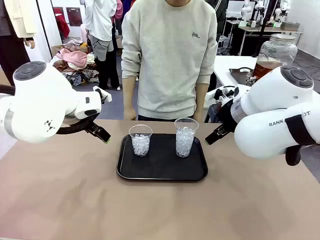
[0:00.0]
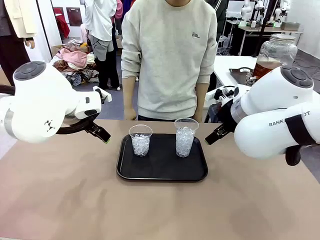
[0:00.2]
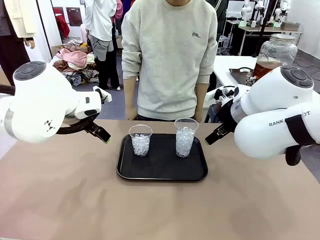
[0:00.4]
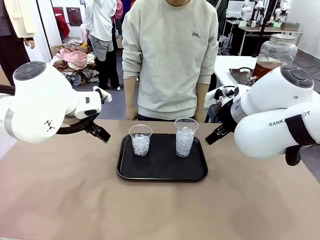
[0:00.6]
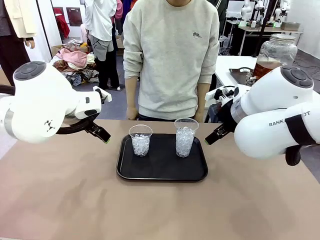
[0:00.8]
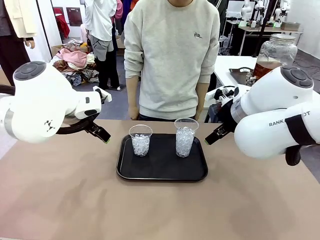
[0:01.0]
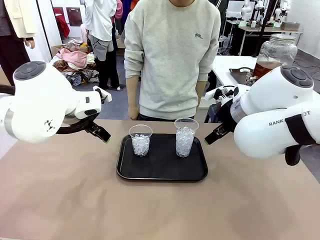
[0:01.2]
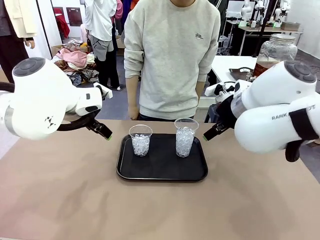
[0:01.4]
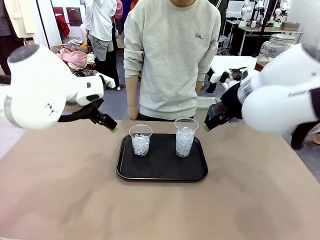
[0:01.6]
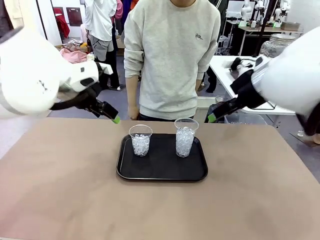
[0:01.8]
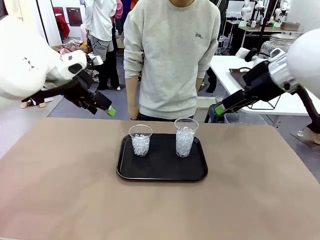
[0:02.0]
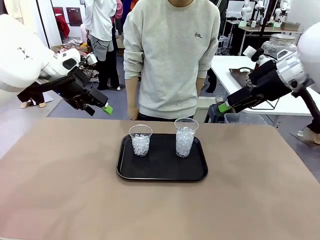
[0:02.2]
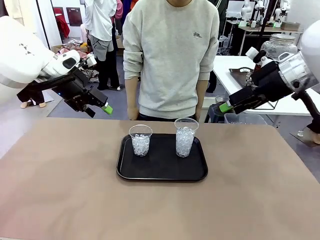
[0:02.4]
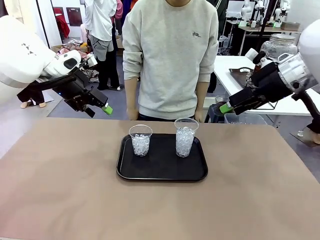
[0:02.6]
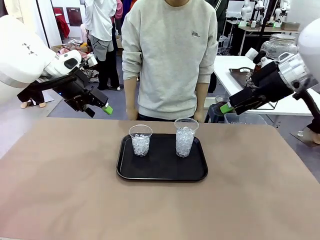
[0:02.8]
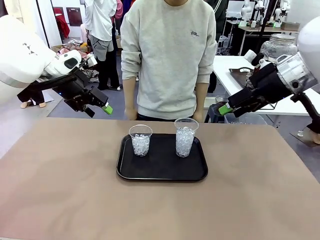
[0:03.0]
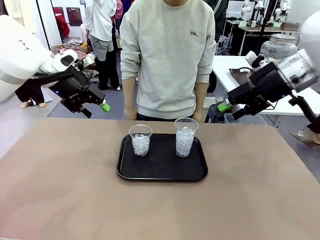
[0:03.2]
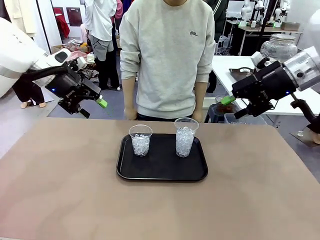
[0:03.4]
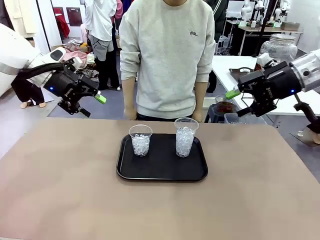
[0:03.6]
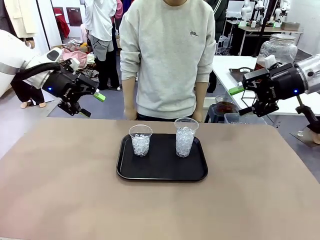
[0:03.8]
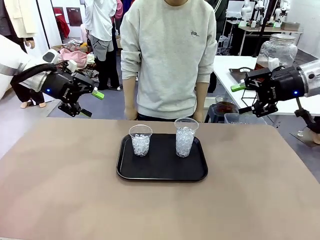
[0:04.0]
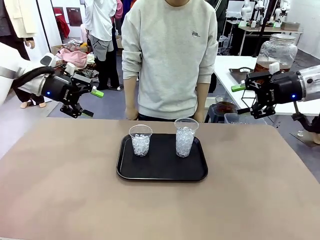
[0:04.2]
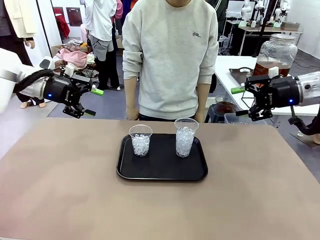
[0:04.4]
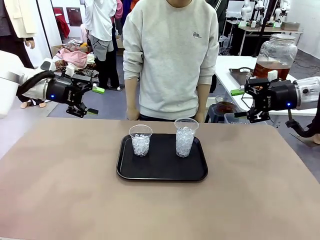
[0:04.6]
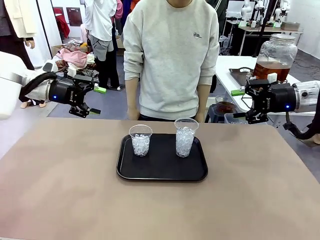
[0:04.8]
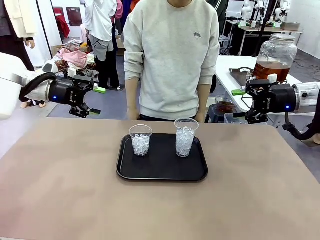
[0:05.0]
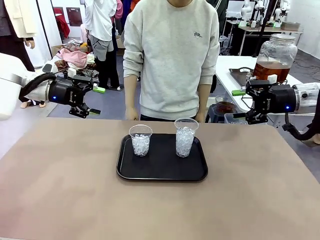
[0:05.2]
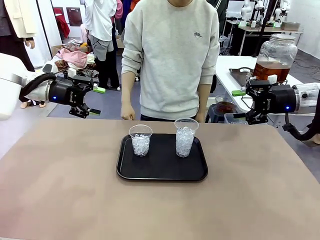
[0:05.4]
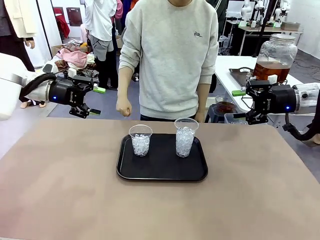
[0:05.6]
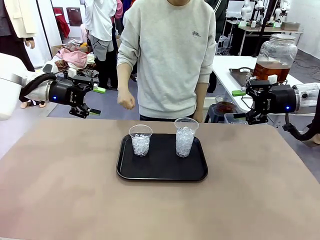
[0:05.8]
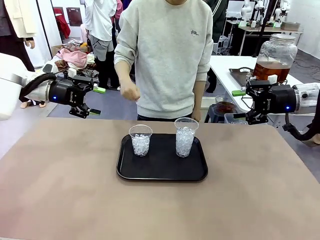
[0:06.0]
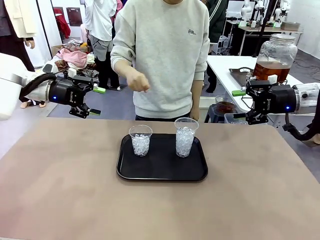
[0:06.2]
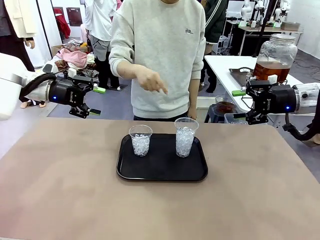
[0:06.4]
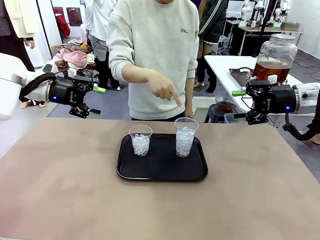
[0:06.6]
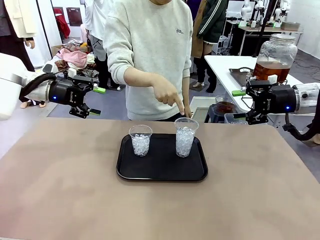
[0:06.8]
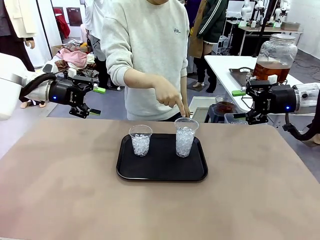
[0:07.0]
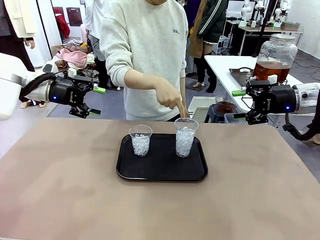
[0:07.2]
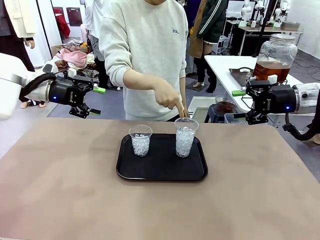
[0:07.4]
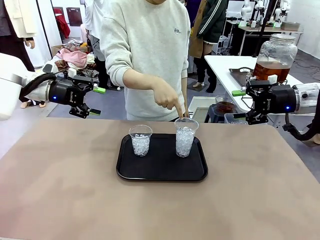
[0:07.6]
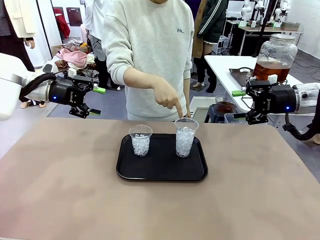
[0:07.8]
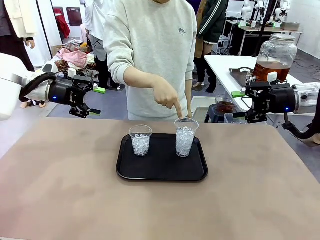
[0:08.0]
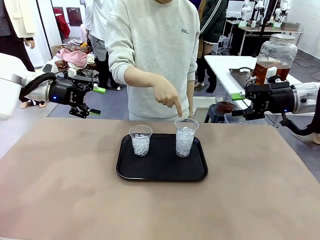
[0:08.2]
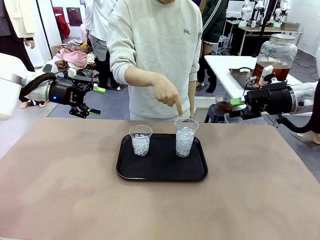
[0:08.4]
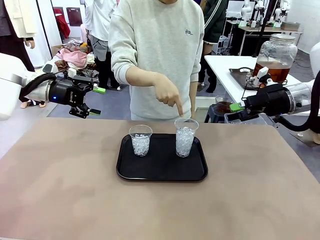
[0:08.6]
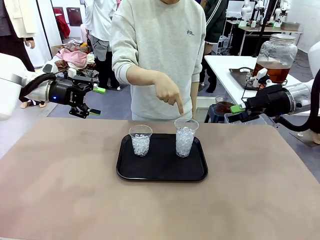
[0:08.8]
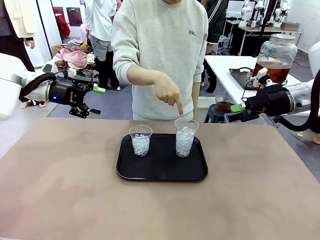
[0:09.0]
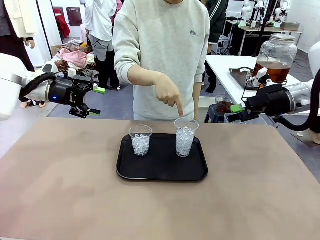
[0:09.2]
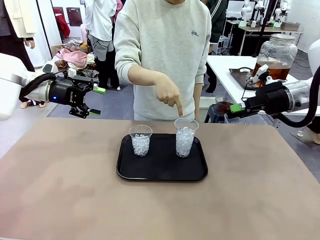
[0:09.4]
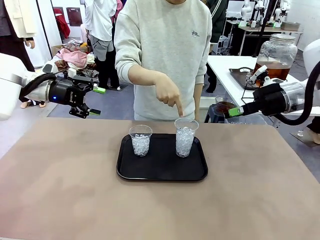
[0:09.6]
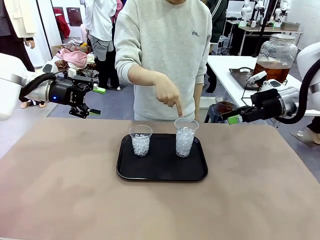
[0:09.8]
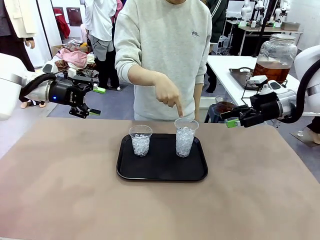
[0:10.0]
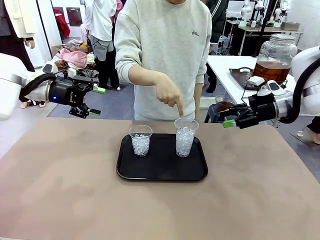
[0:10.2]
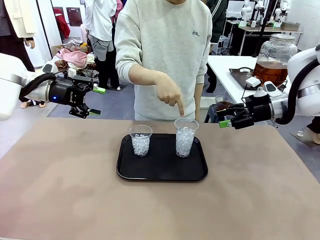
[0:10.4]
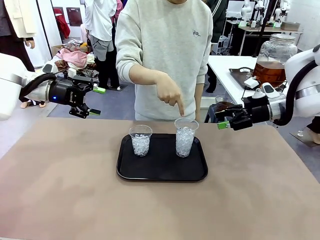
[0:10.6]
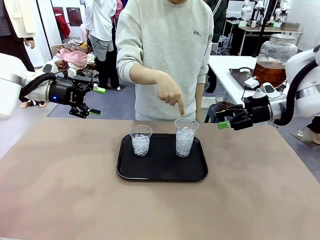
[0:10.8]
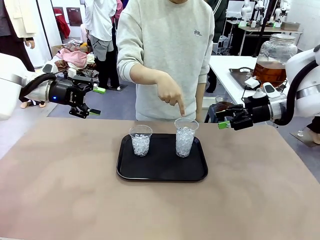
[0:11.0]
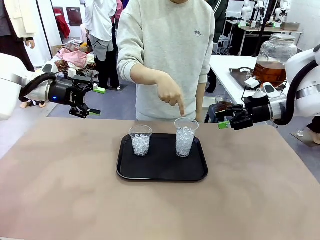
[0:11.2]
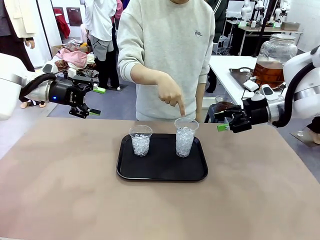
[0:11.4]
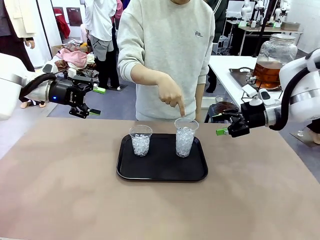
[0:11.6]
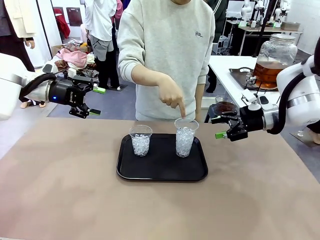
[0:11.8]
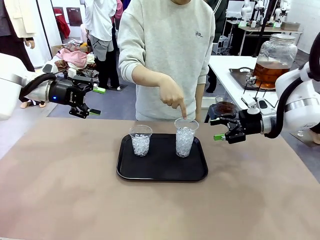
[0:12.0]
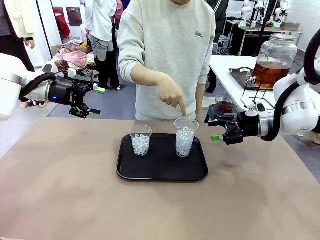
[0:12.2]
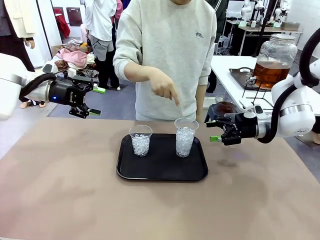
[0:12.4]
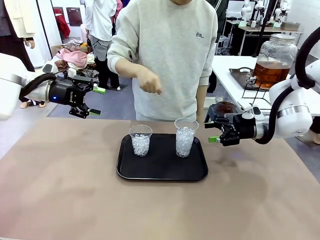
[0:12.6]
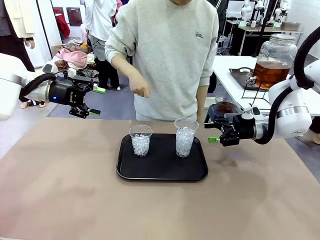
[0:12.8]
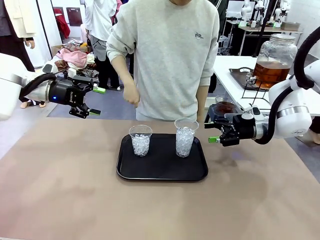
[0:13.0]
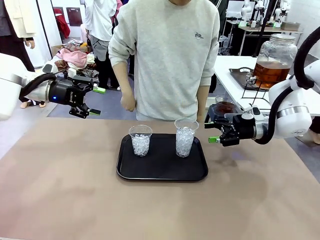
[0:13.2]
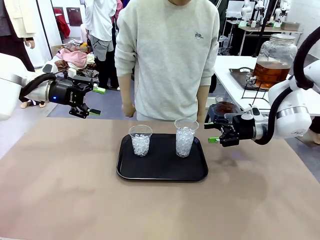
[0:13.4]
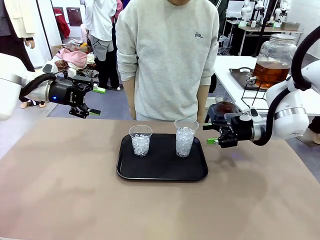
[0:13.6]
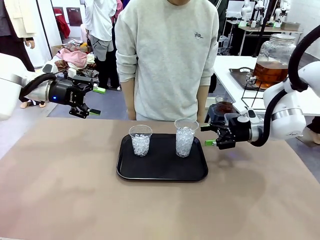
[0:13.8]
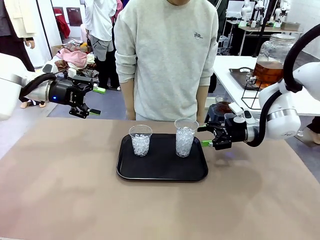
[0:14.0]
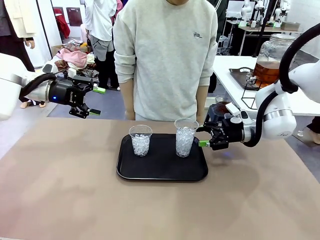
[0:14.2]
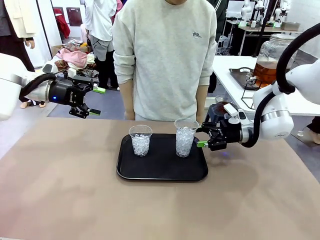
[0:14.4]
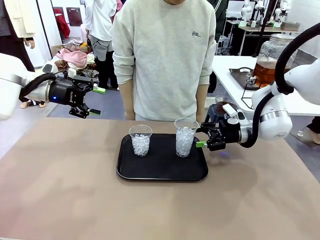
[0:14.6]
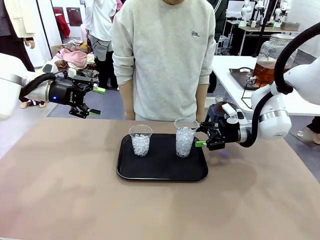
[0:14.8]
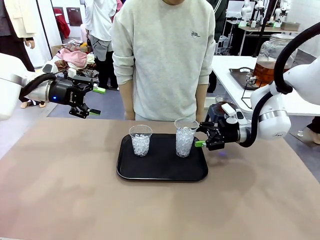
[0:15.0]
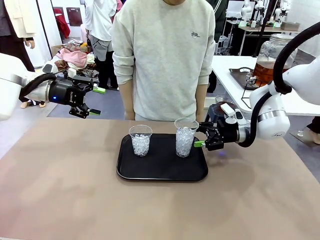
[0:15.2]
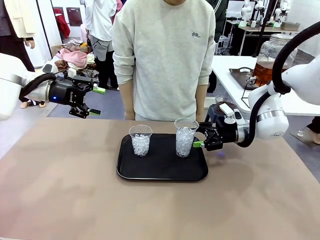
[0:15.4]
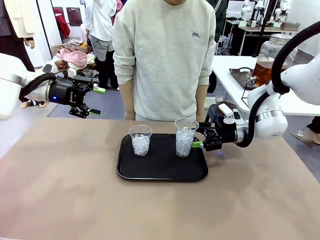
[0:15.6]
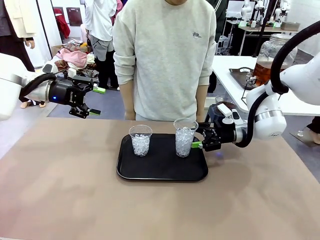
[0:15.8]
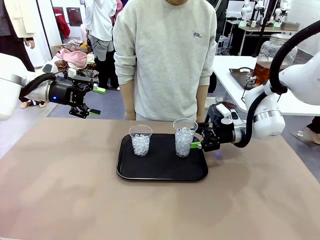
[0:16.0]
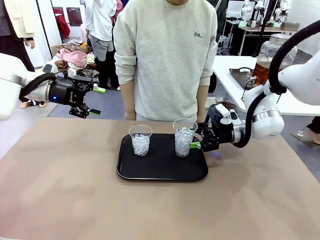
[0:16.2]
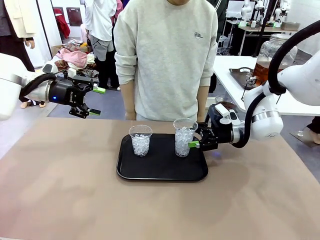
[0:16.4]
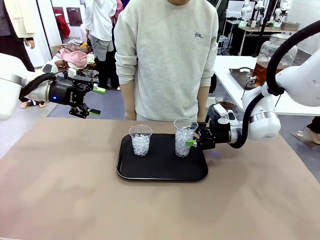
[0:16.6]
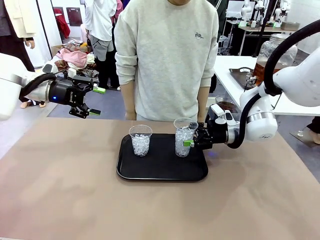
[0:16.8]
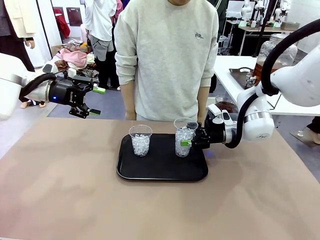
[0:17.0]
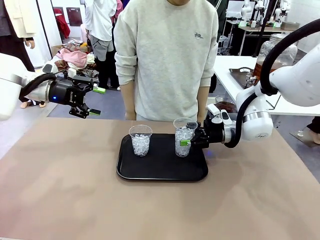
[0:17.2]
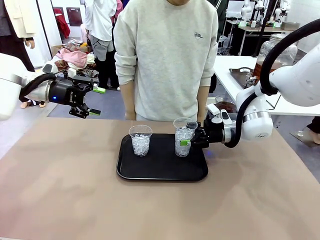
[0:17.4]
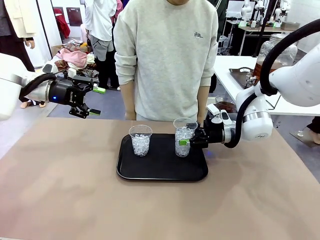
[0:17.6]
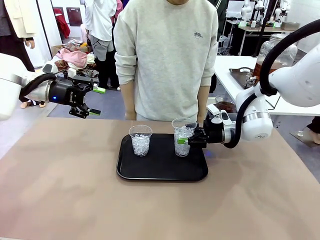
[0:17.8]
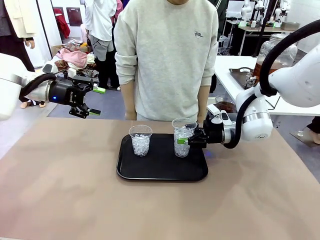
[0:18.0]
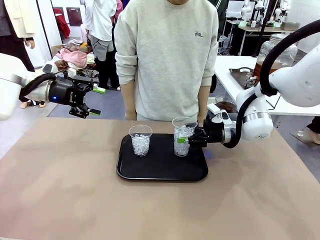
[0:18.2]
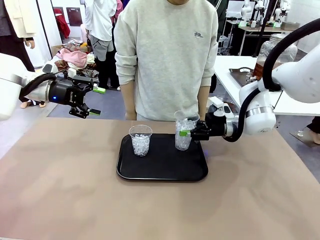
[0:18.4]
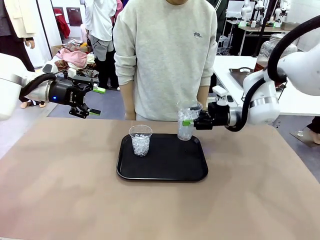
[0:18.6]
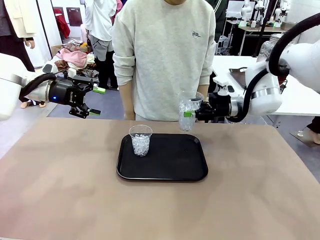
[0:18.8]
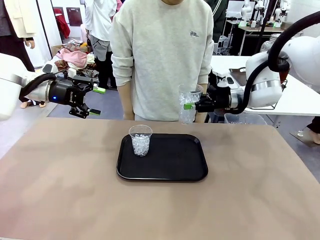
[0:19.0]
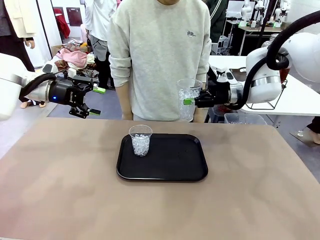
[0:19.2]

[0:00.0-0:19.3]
Task: Pour the drink into the iced cup.
Robot: Pick up the iced cup indicated by the human and present it to them.
Person: Point to one of the two ice cups. Pick up the cup offered by the robot.

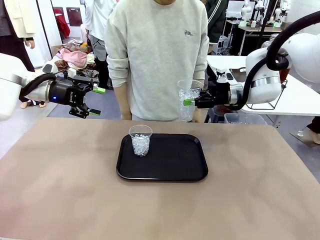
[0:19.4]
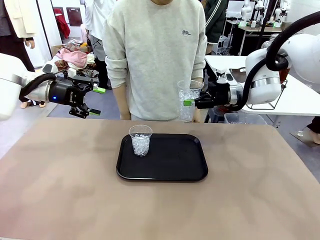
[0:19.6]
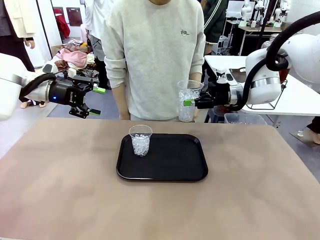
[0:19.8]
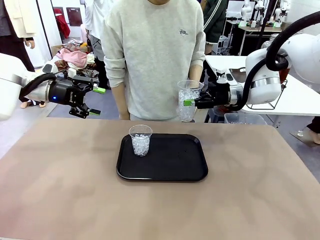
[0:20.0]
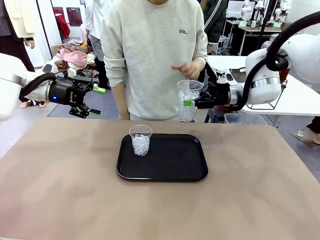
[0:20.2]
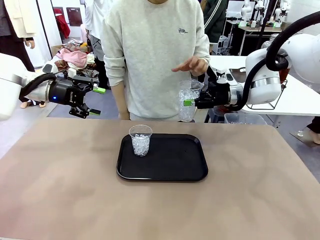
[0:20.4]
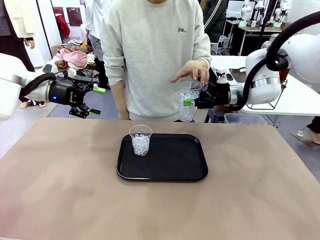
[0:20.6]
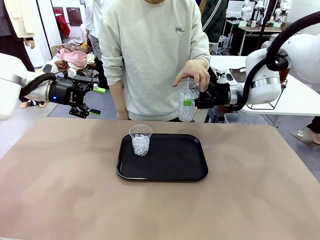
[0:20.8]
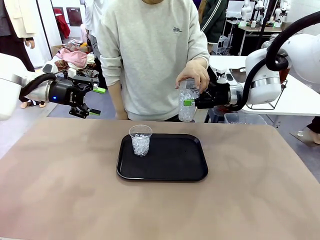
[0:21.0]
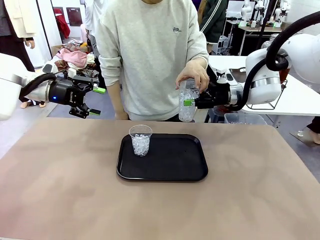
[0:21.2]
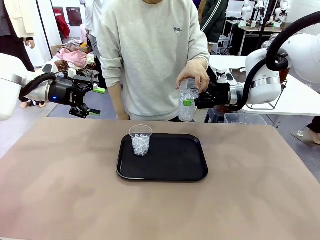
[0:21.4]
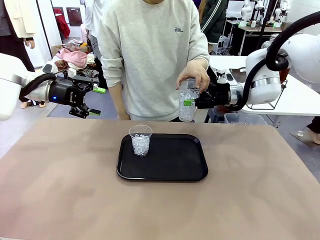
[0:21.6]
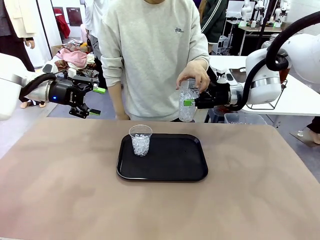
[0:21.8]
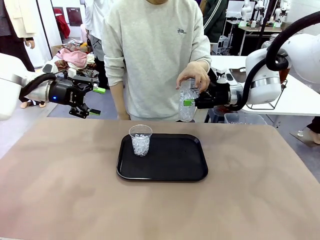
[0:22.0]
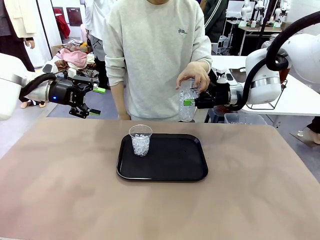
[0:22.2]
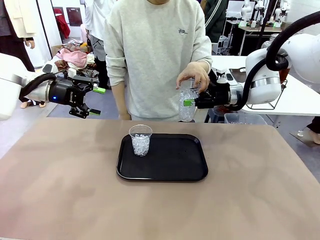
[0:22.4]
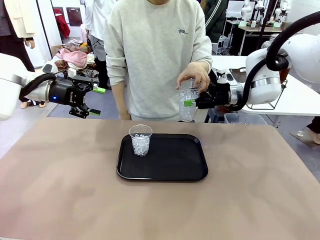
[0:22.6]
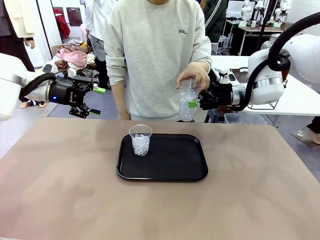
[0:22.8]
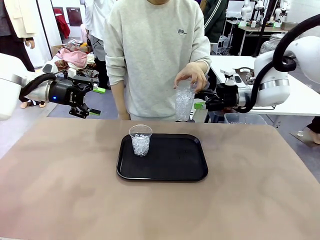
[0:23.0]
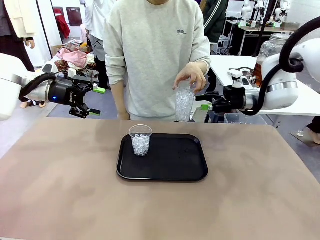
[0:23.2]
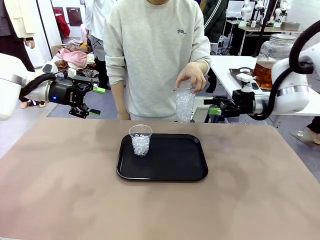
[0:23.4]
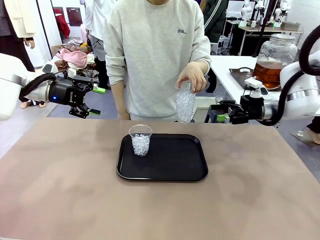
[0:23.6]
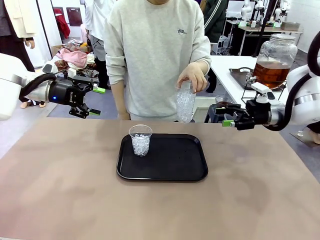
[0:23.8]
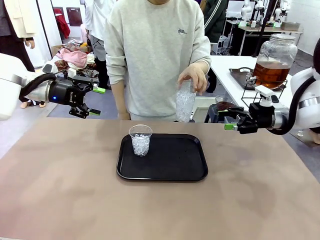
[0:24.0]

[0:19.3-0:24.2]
Robot: Open the gripper to release the iced cup you were holding.
